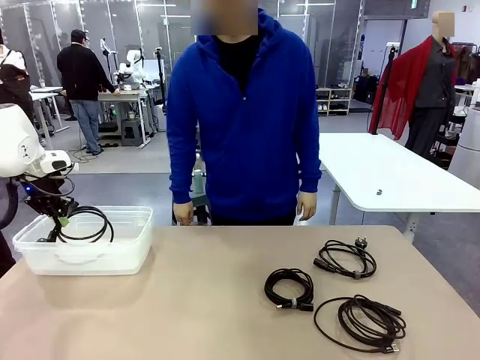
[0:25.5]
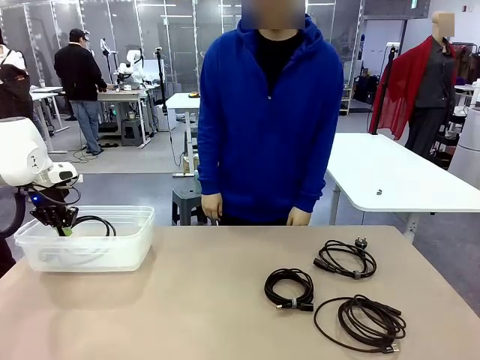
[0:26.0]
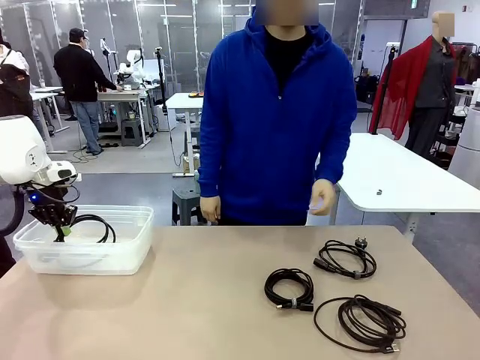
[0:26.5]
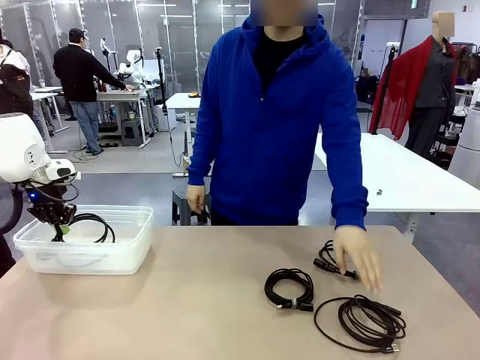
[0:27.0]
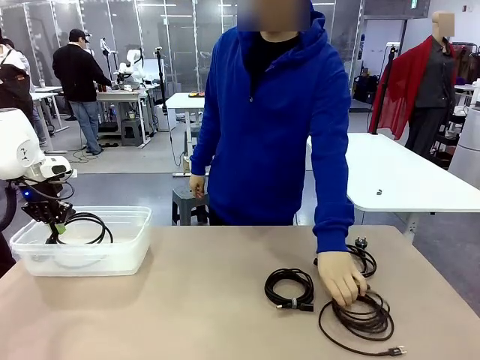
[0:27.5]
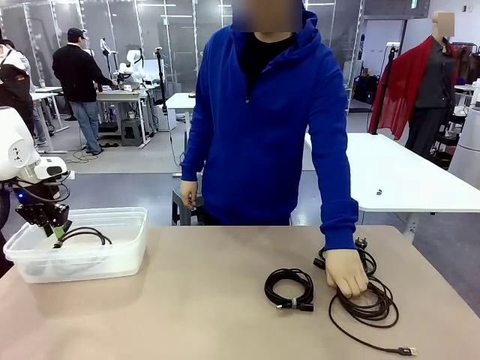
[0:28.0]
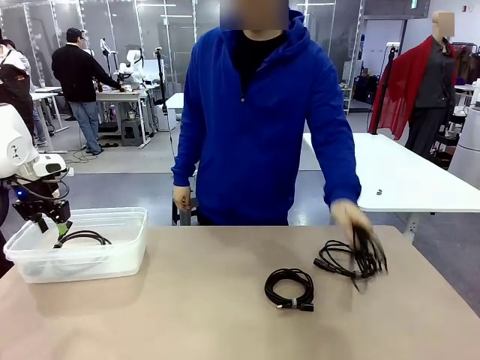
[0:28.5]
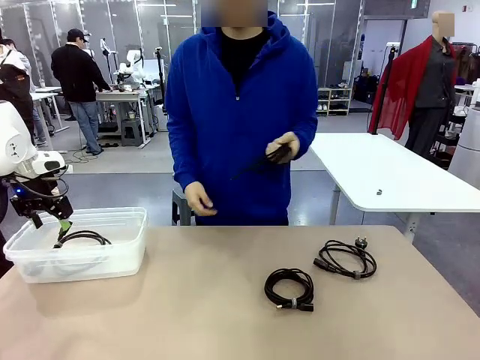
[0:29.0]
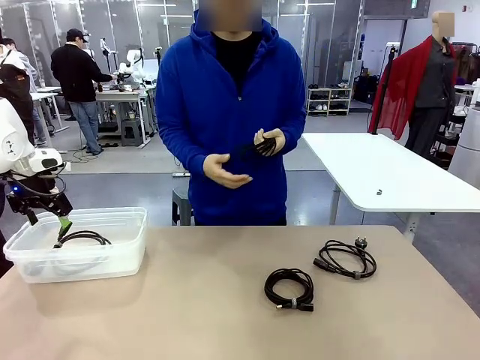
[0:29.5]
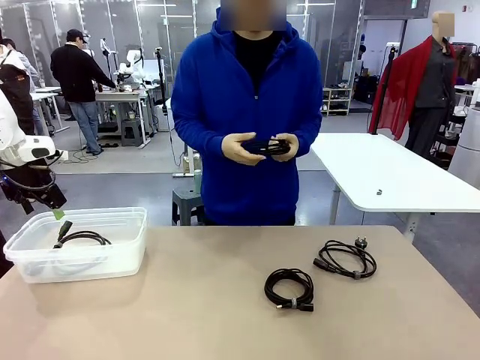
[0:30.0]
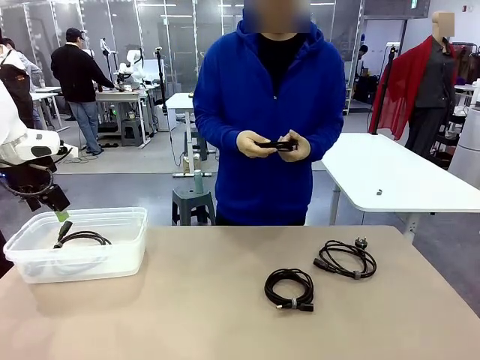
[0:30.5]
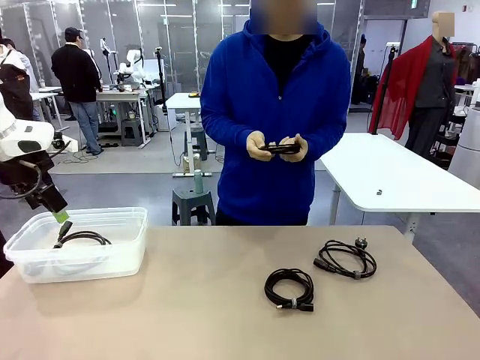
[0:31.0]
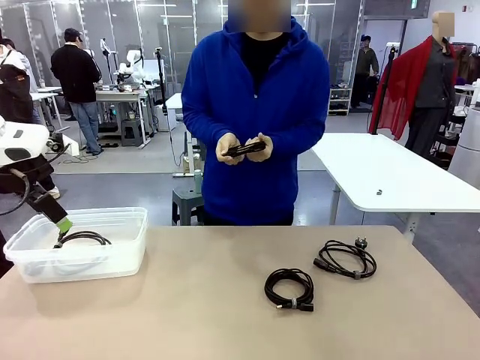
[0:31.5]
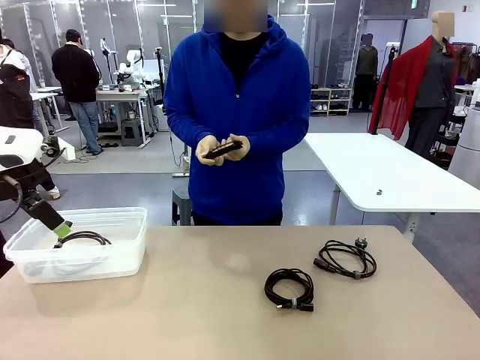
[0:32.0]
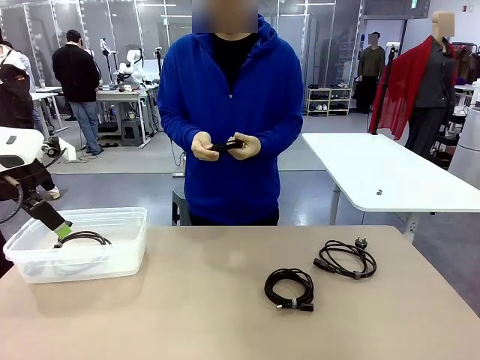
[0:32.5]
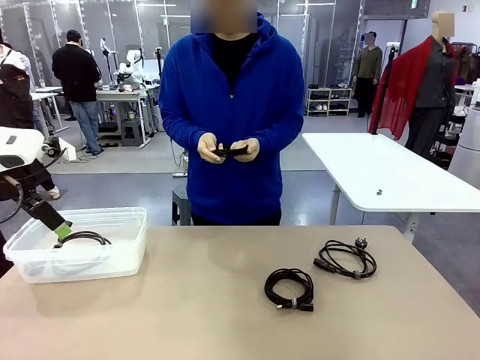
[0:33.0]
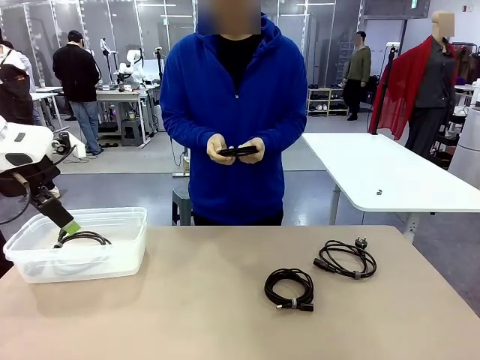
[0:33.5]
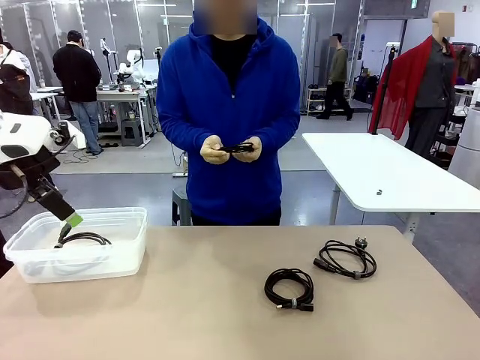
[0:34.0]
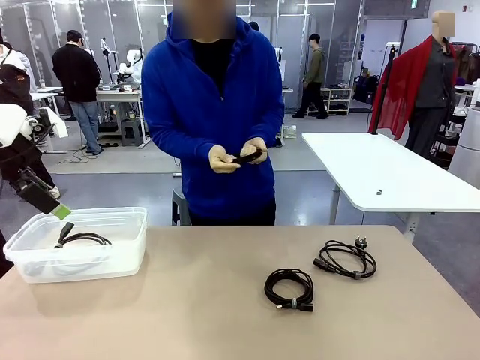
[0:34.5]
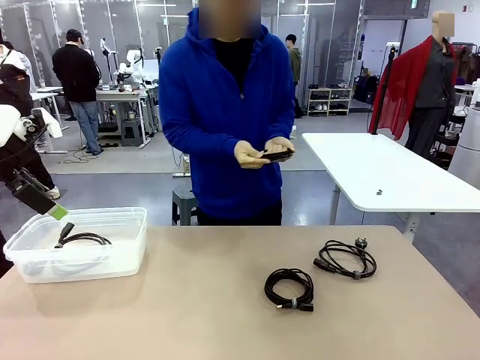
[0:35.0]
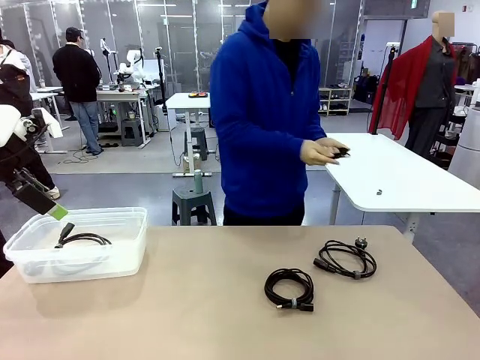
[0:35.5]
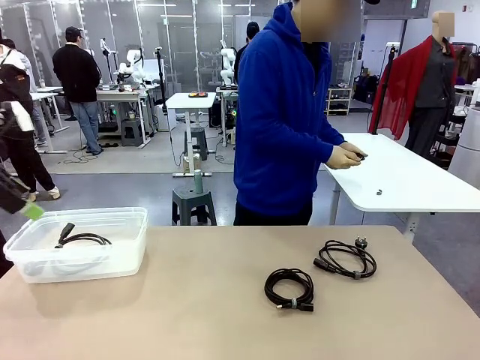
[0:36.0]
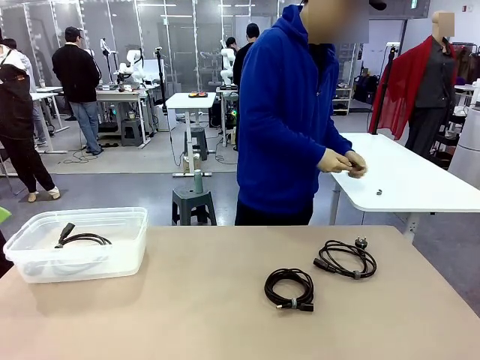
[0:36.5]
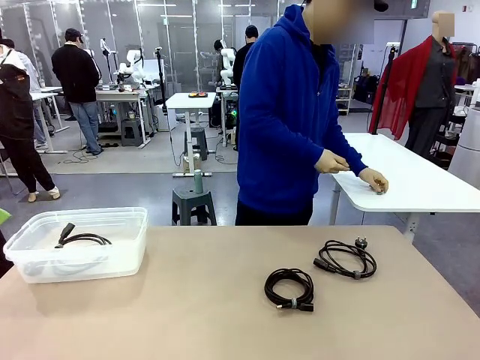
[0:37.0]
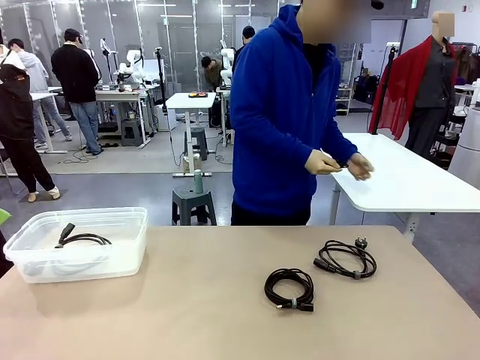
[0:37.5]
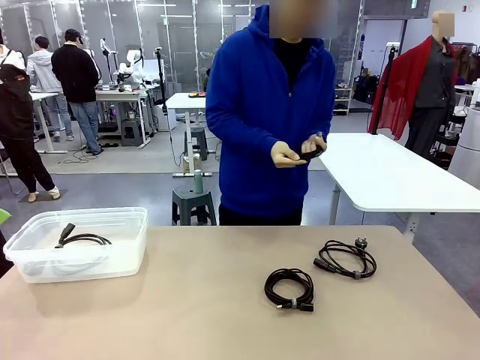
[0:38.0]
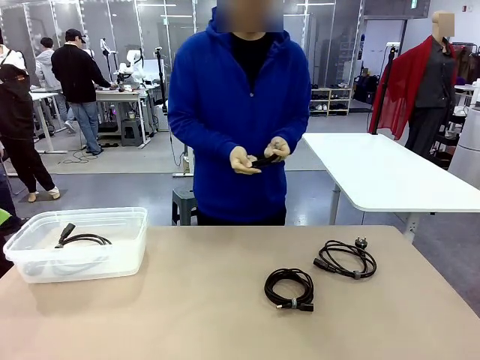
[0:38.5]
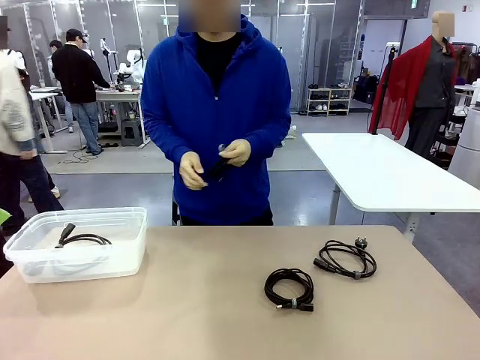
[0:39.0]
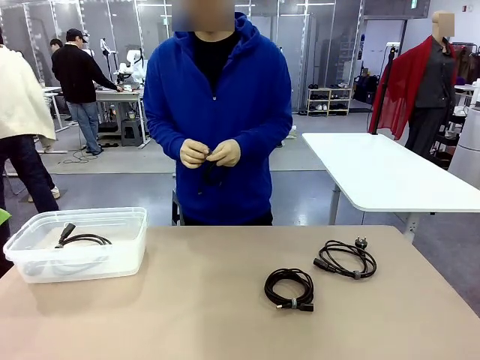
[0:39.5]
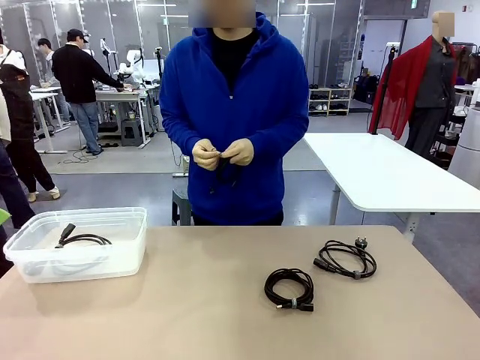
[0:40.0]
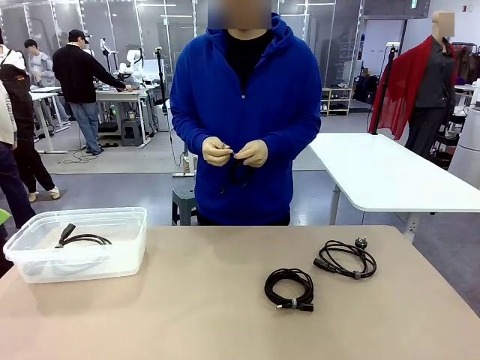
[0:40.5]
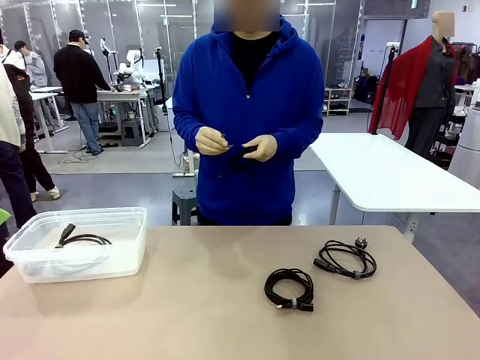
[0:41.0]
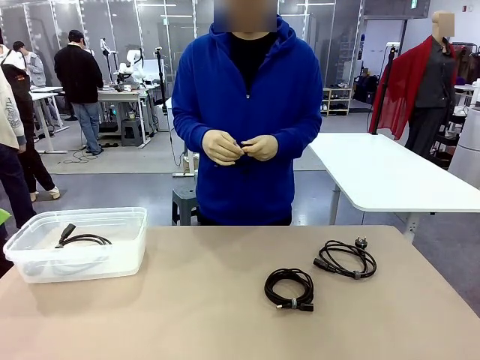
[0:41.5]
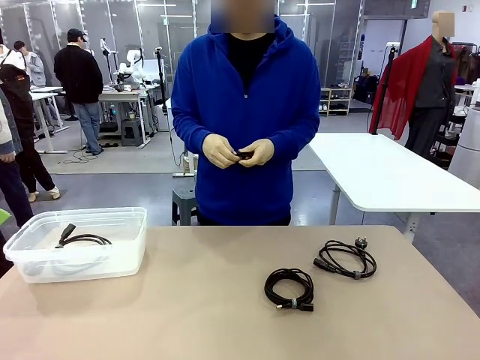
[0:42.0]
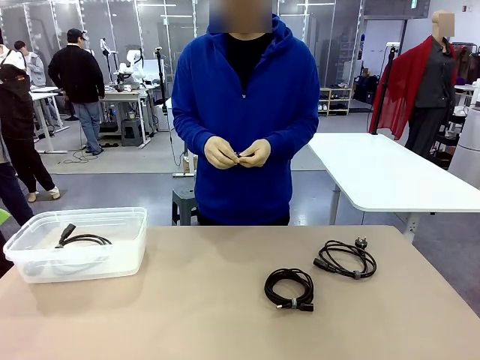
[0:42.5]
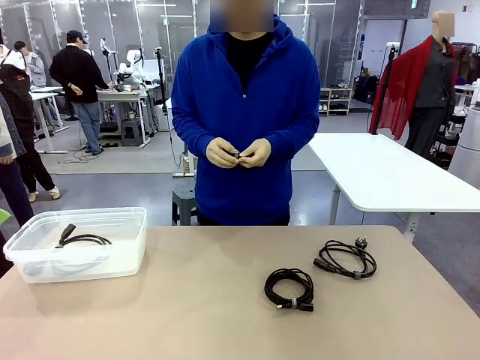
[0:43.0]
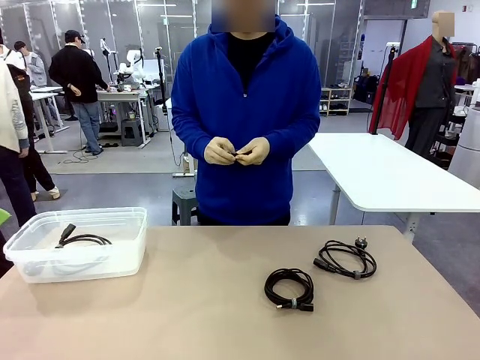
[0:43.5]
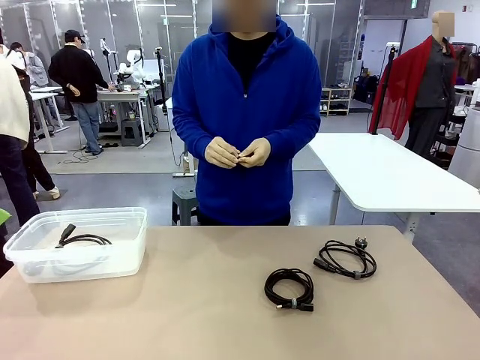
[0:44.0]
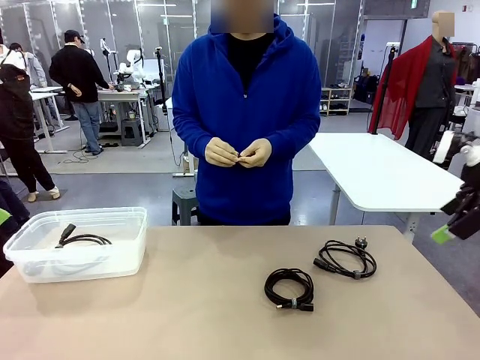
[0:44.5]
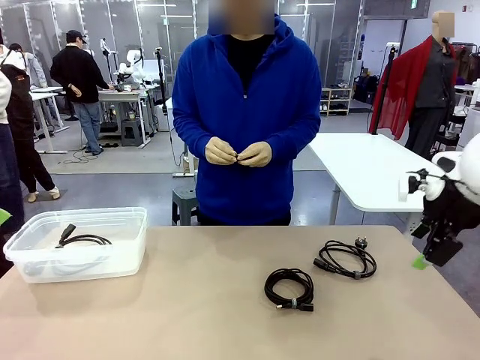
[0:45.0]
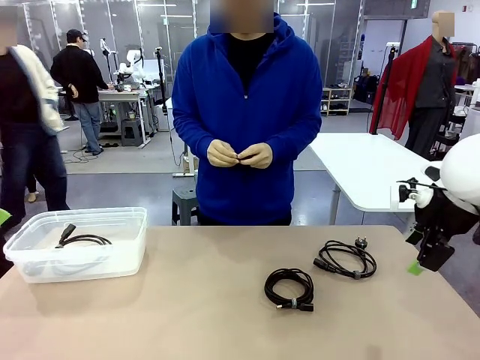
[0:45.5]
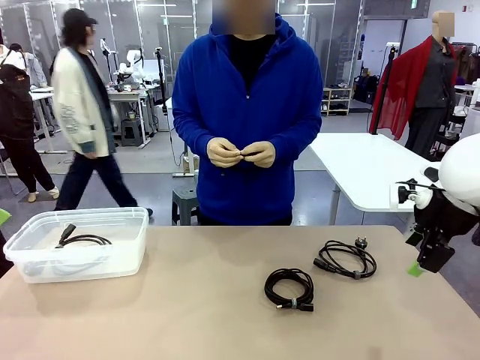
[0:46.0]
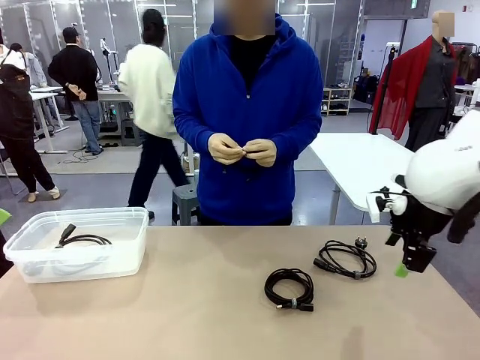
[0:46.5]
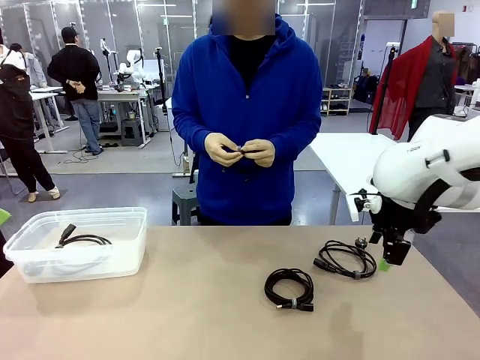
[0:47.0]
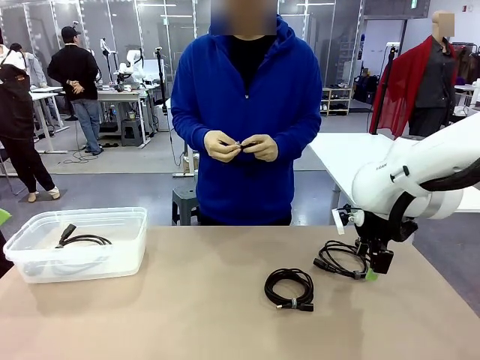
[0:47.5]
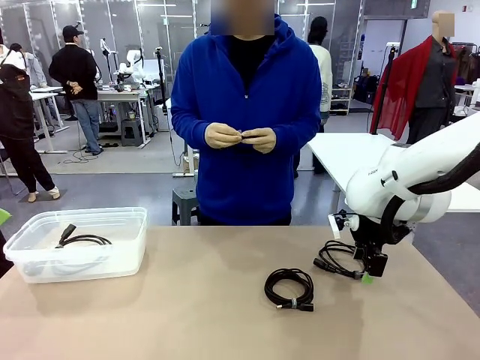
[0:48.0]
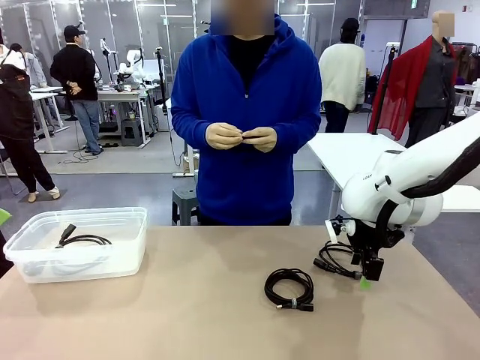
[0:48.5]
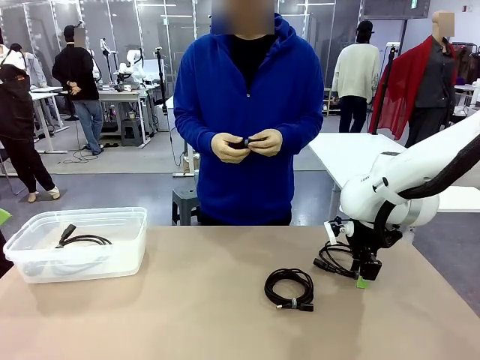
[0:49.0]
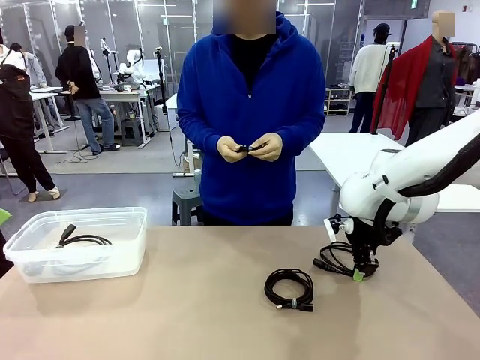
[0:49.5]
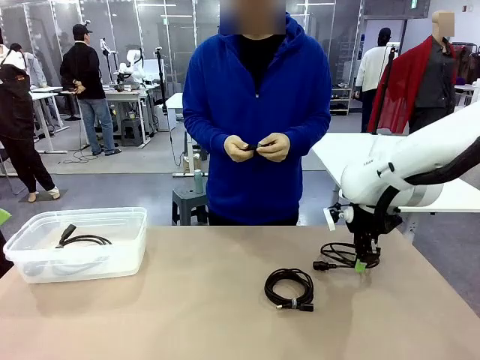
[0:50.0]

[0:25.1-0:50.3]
Task: Organize and store the cables.
Robot: Place the Power Cable into the Organizing box.
